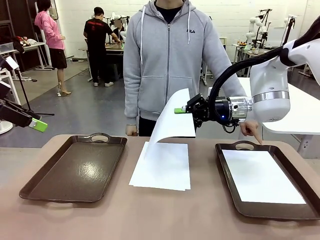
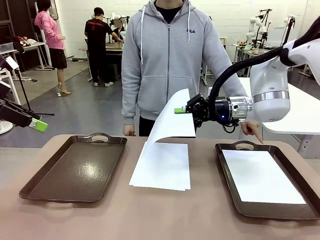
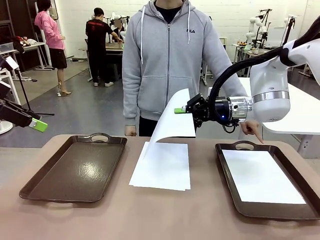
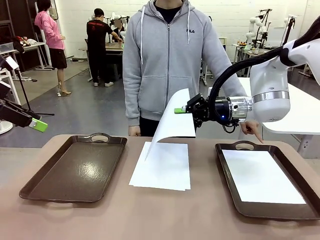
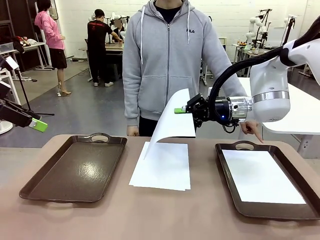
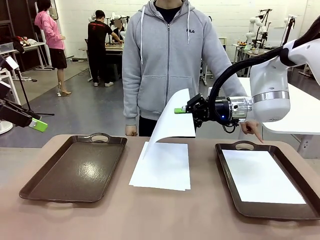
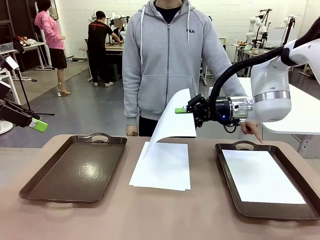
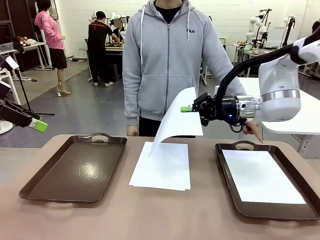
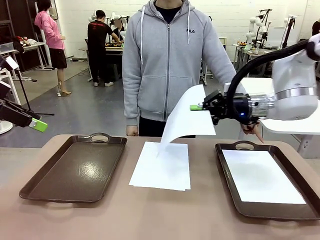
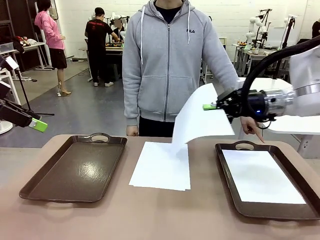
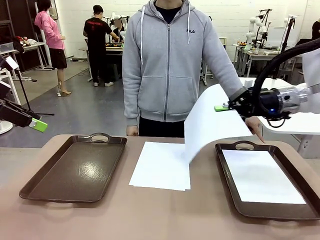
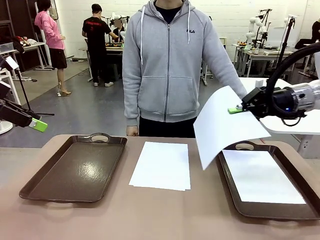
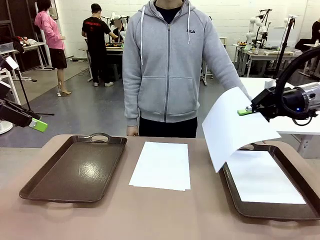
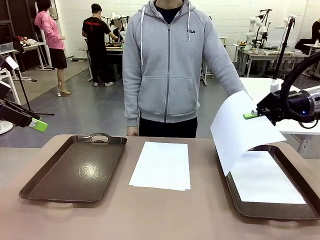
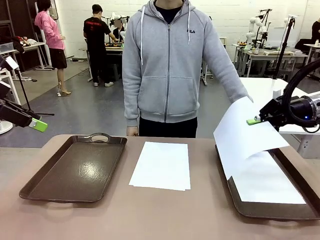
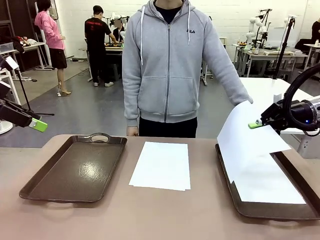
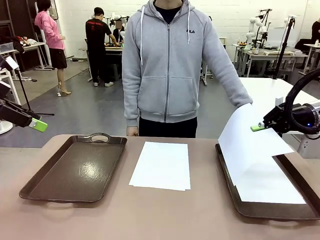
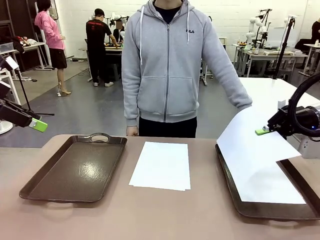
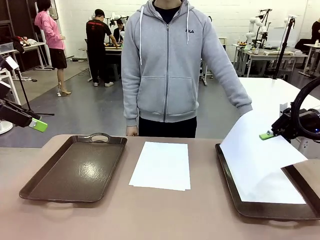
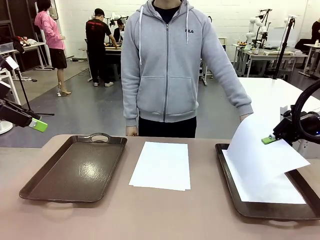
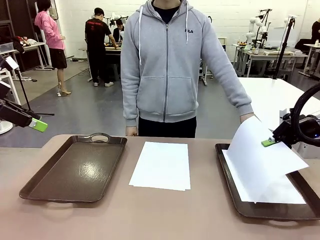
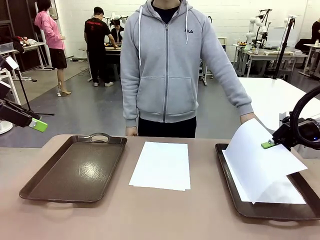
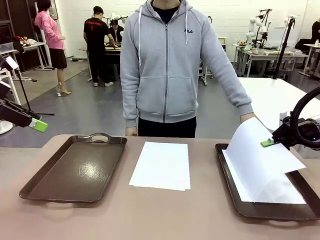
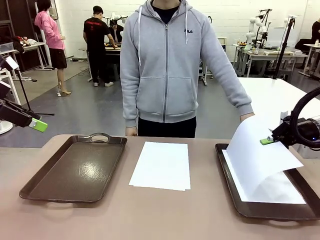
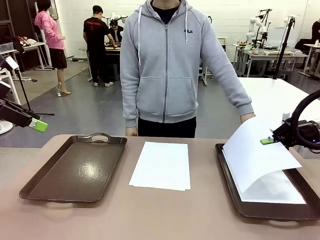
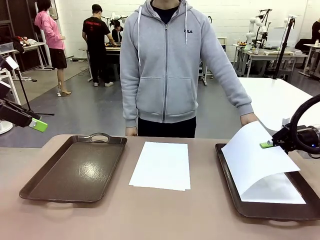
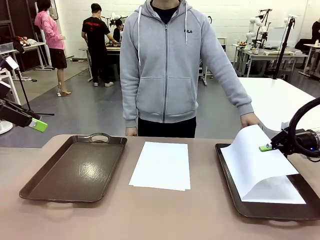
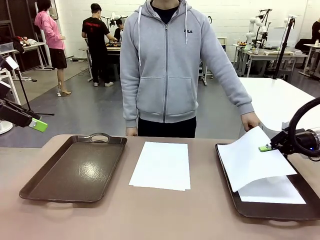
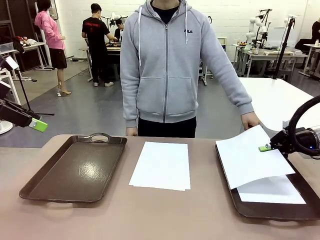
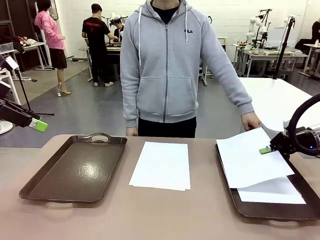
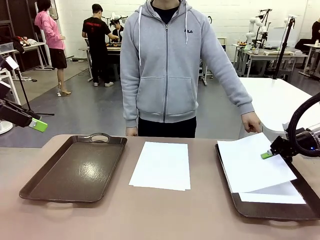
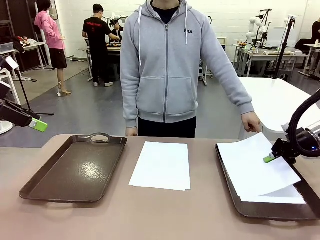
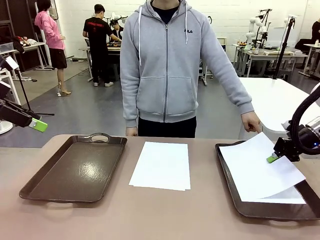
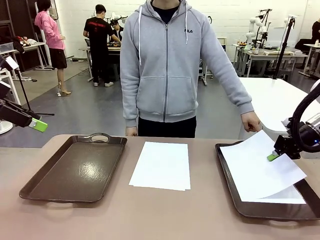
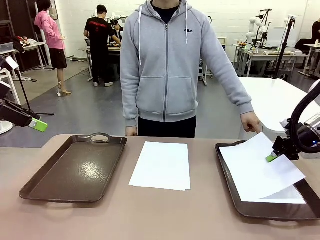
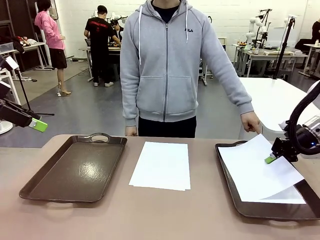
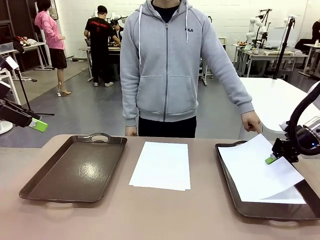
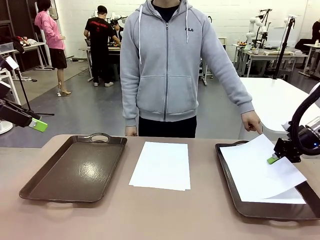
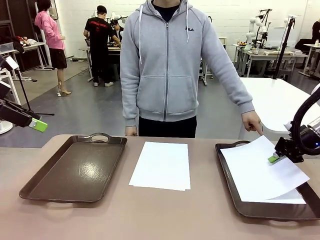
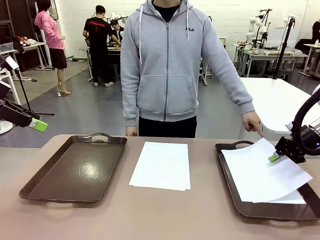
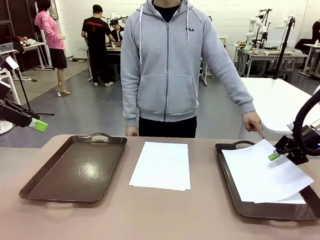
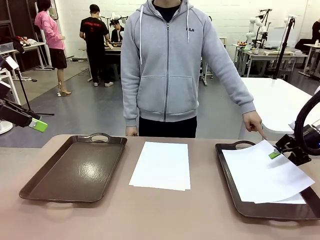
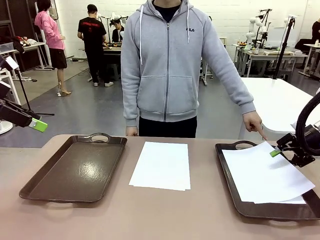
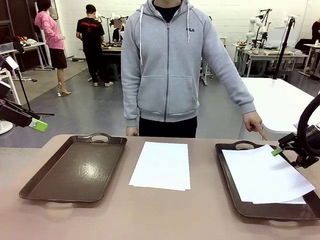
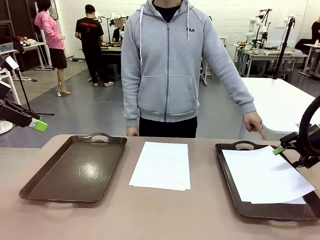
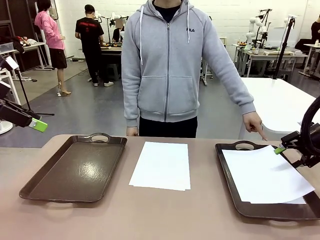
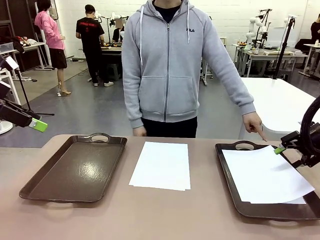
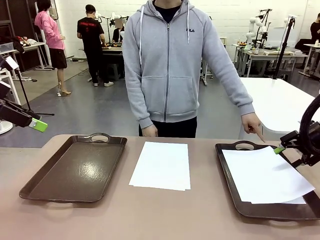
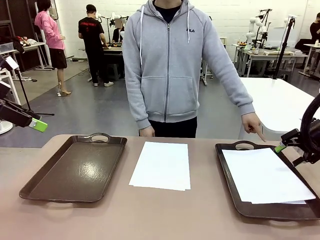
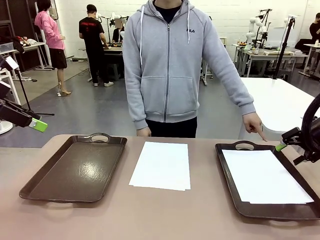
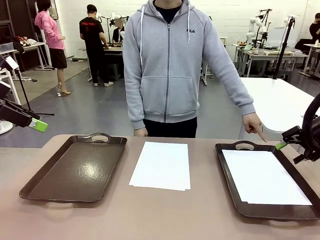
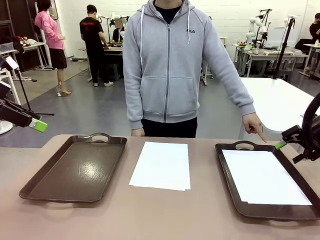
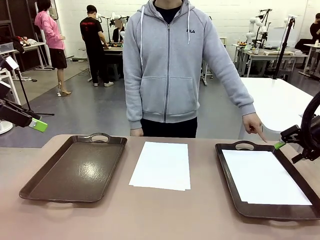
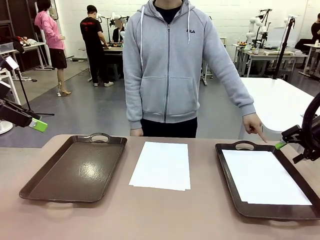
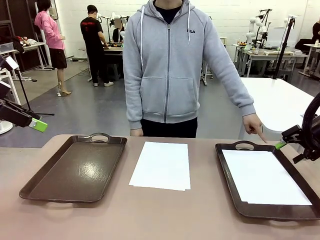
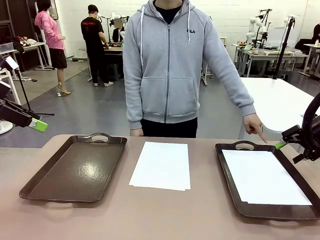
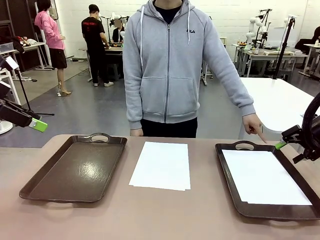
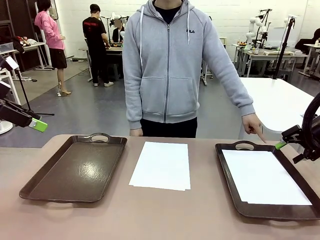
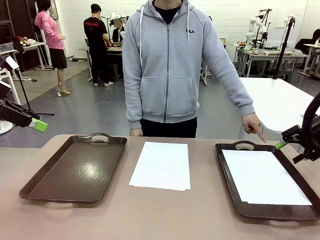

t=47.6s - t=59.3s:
Task: Sort the A4 documents.
Robot: Place the A4 Paper in the designated Handle tray.

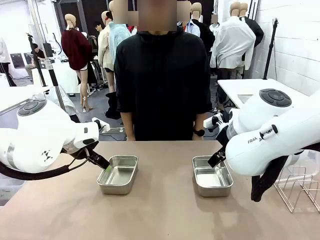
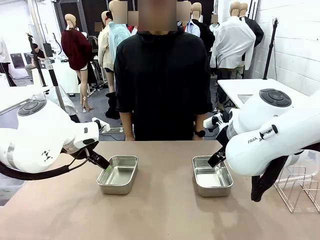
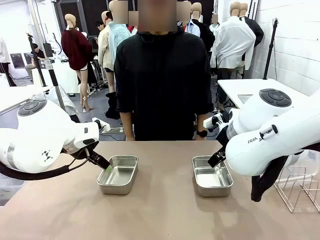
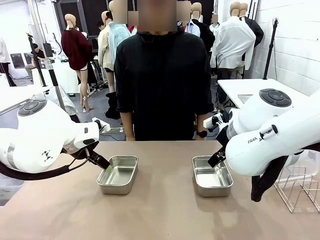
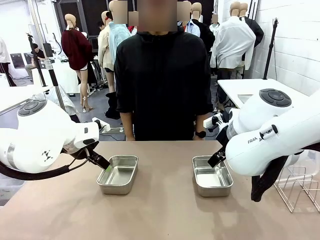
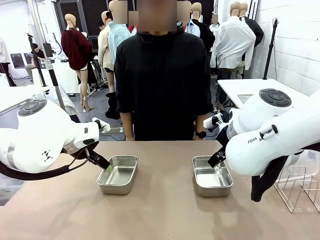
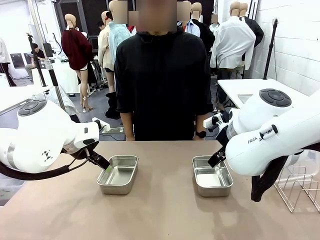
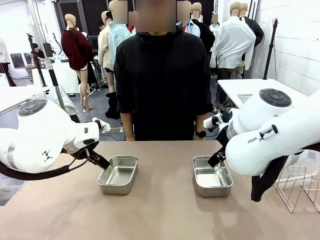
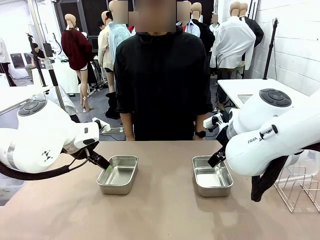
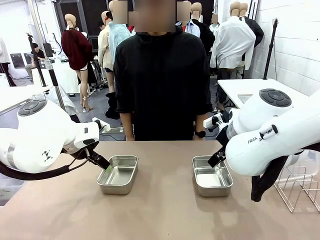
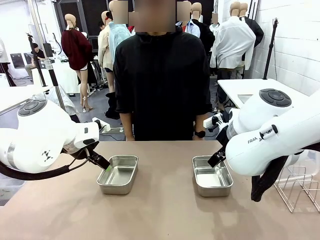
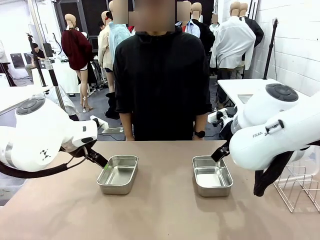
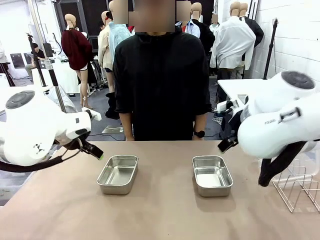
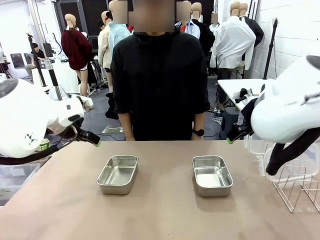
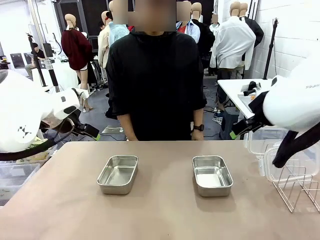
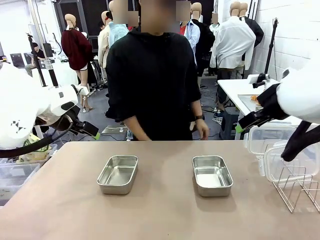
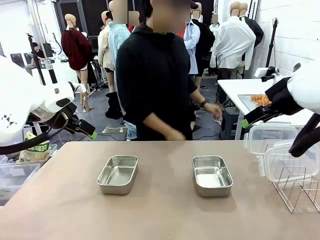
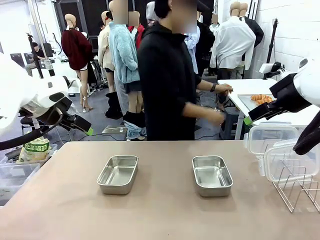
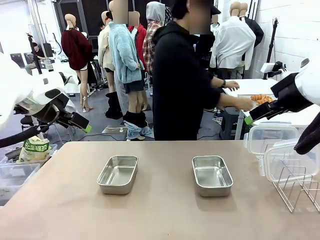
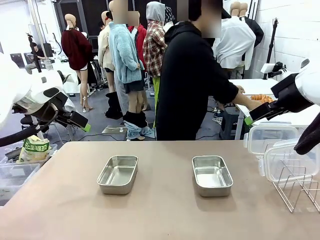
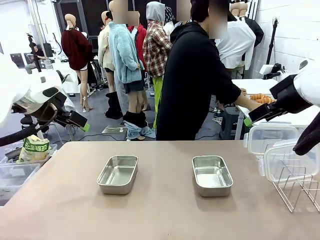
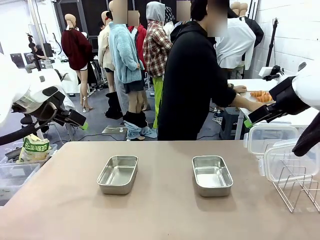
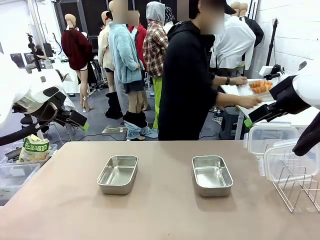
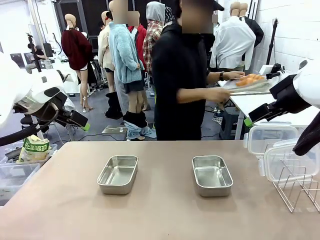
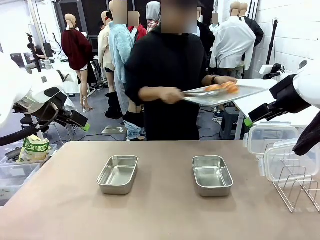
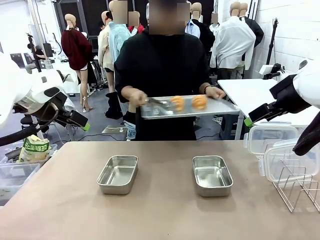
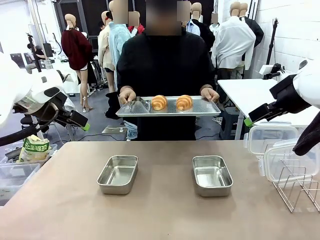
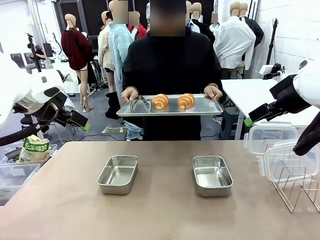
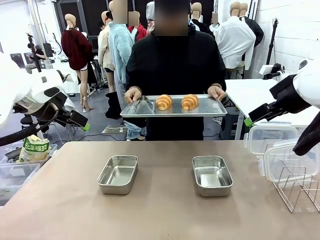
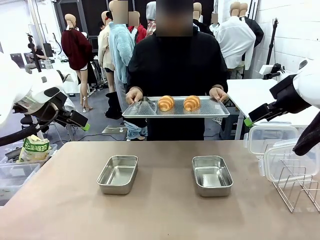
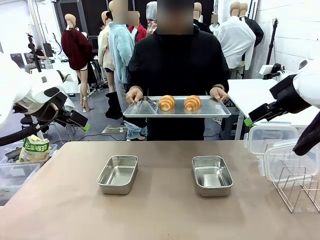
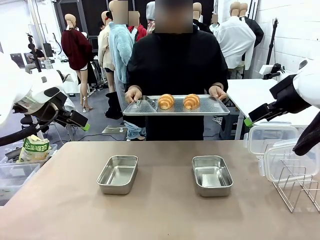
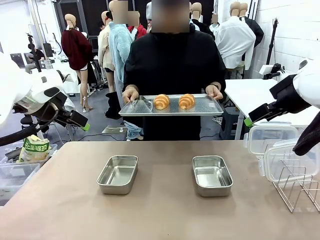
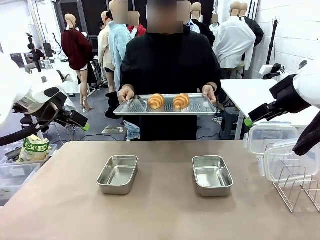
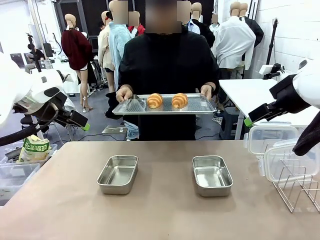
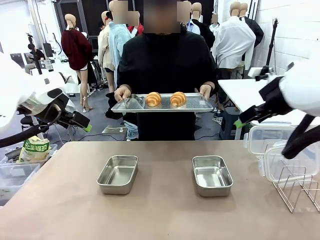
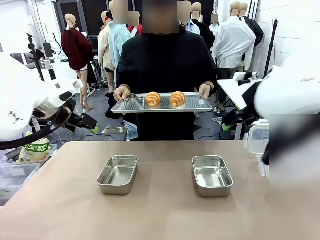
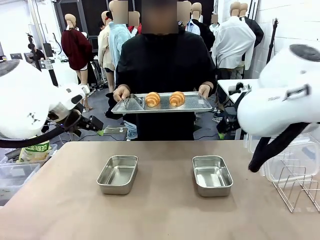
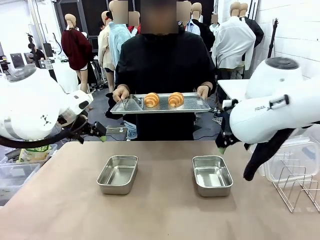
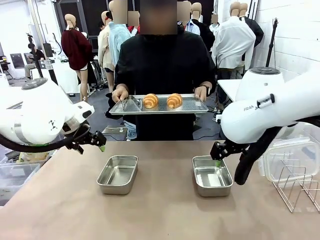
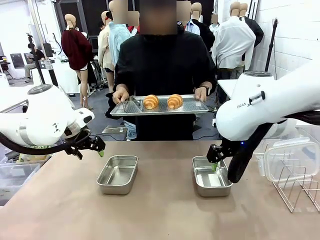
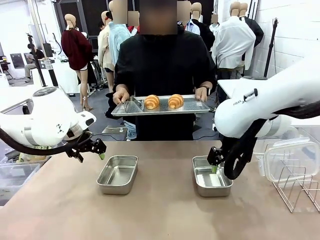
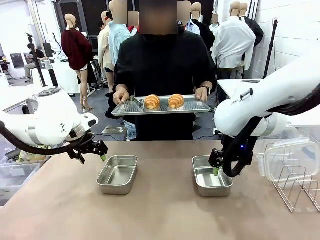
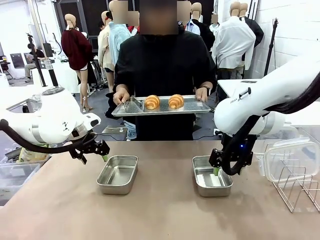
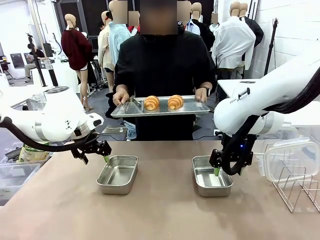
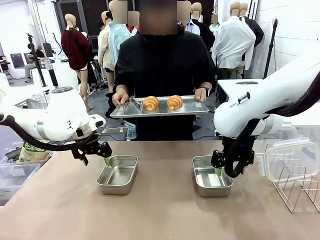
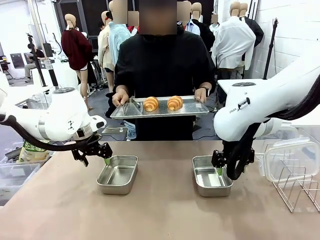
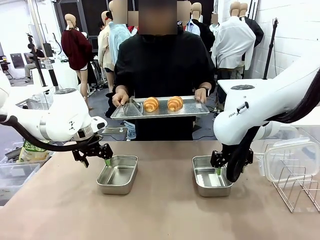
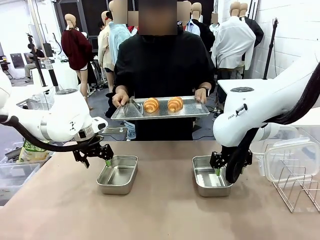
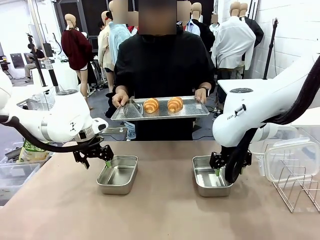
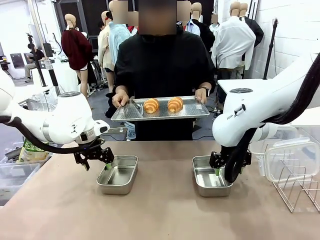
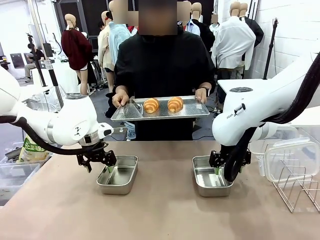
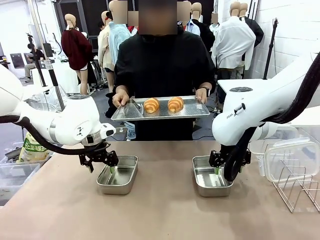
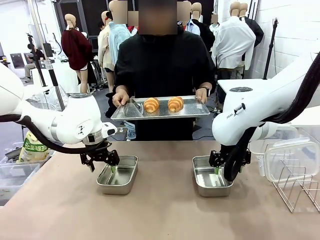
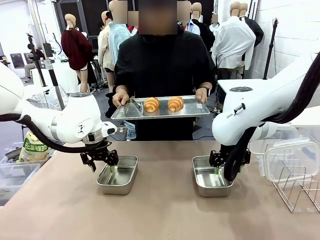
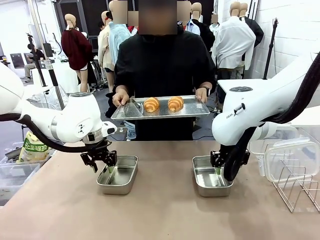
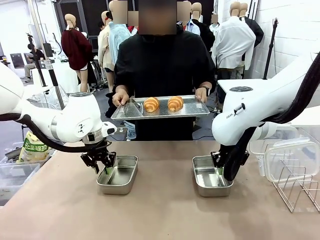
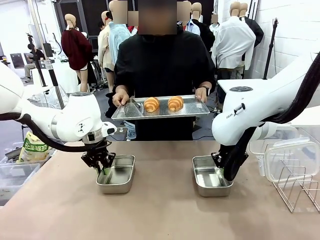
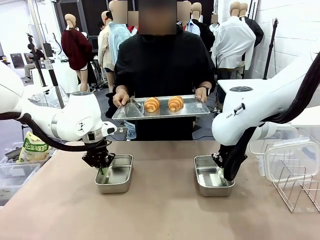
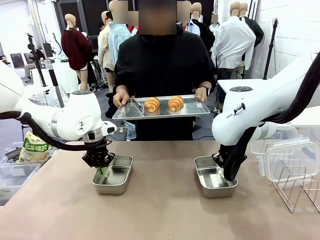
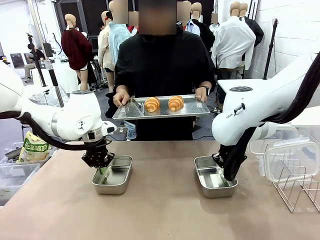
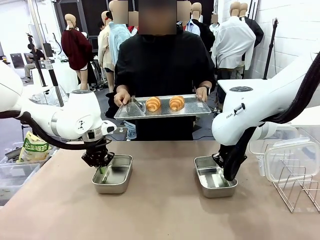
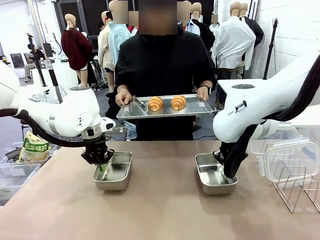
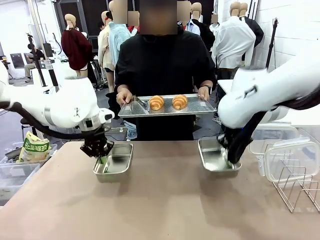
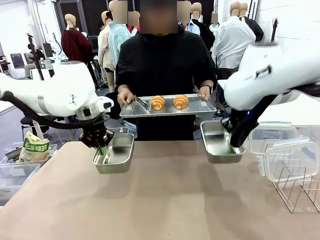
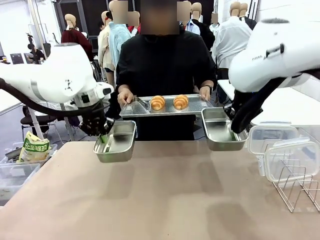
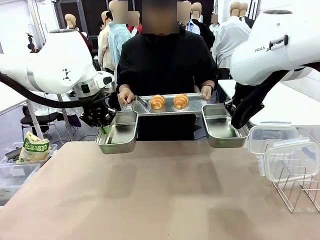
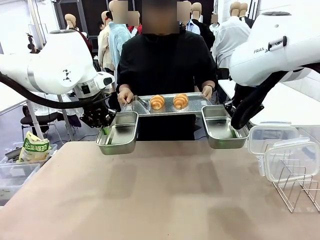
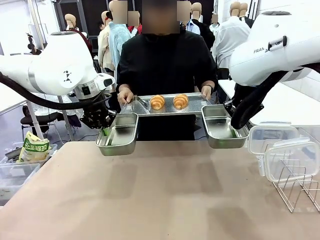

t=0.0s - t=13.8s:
Task: Place the bread in airtight containers.
Robot: Lift both Airtight Container.
Person: Bring the Baking Sheet in front of Robot's Table.
